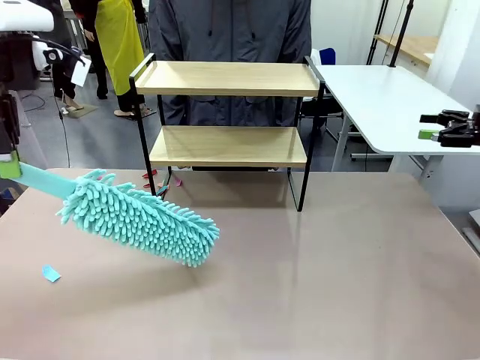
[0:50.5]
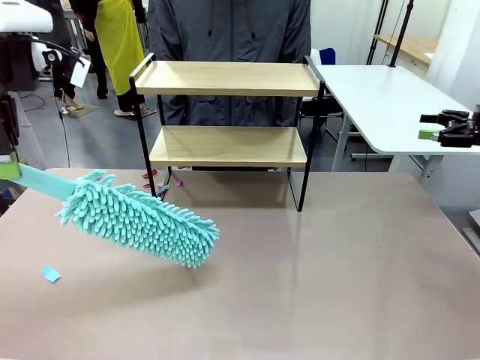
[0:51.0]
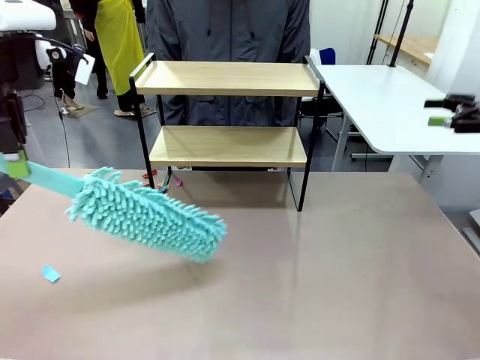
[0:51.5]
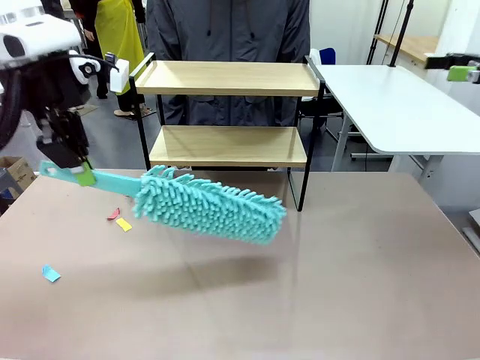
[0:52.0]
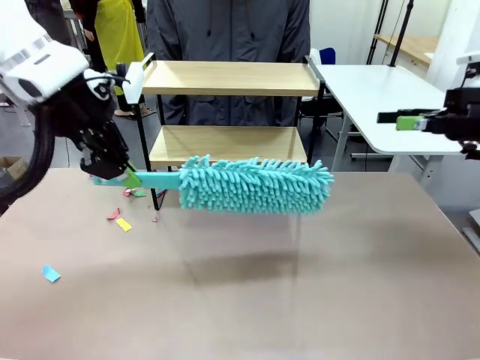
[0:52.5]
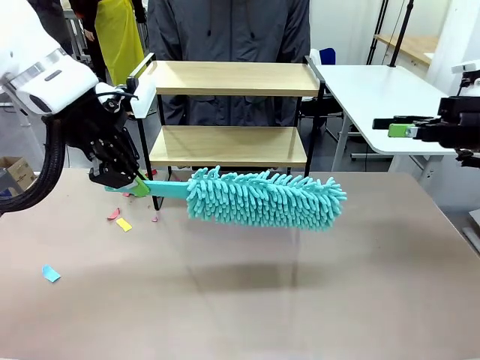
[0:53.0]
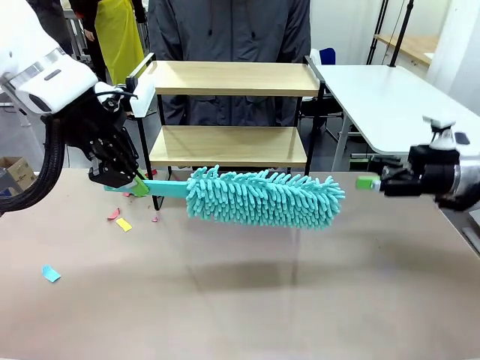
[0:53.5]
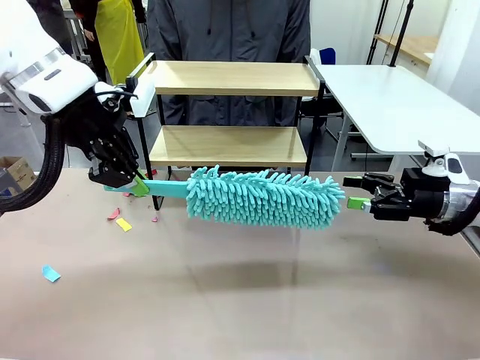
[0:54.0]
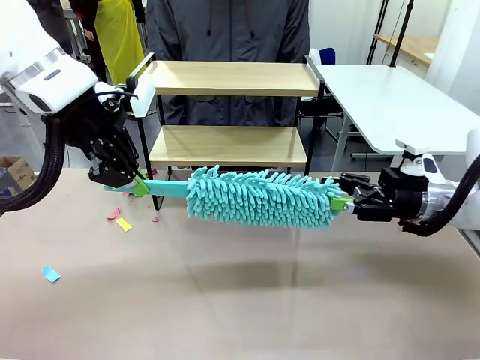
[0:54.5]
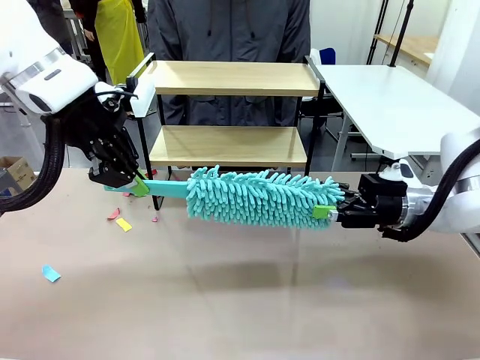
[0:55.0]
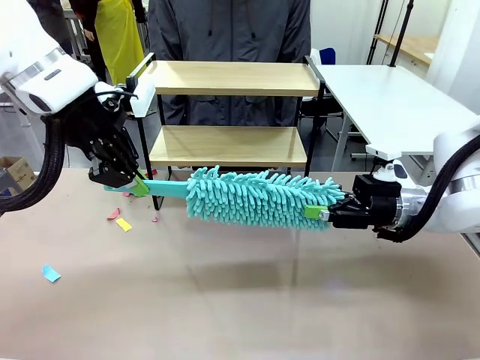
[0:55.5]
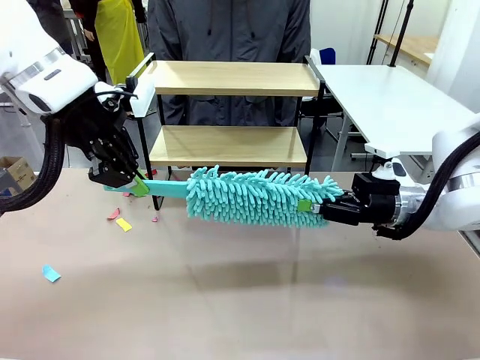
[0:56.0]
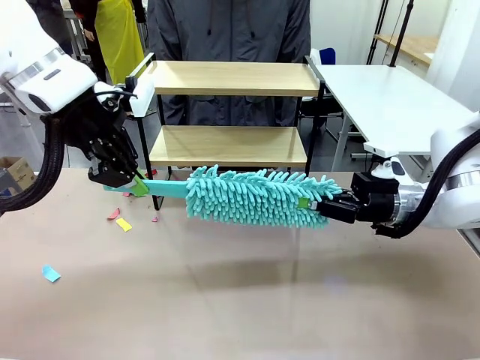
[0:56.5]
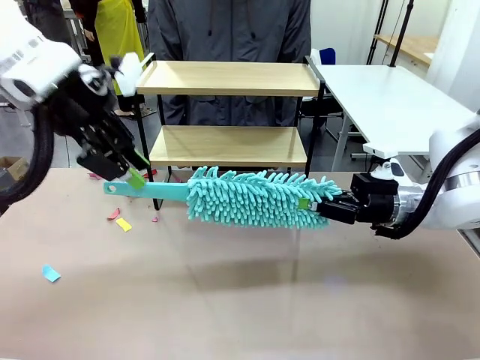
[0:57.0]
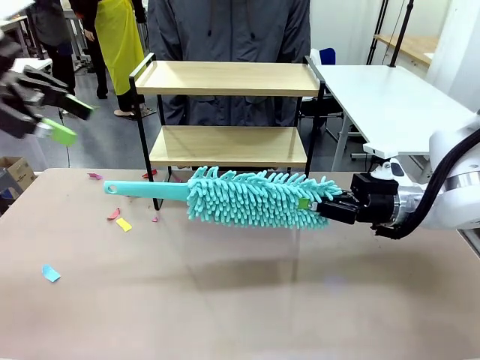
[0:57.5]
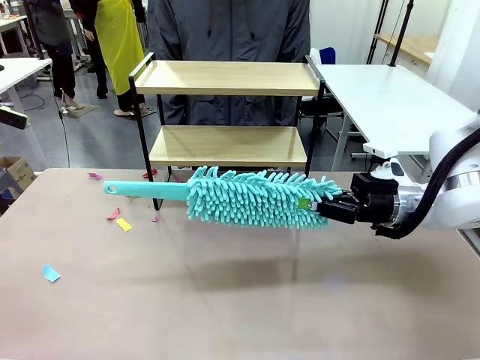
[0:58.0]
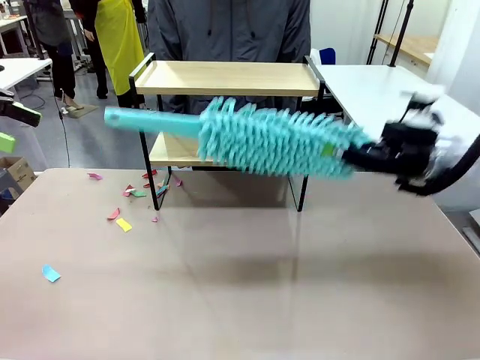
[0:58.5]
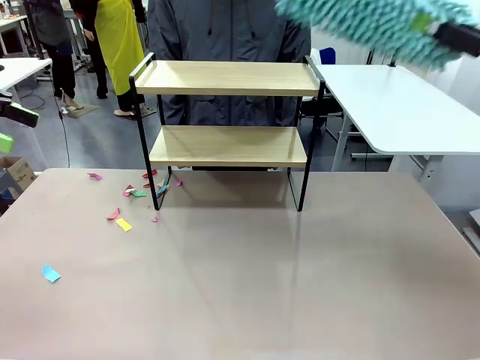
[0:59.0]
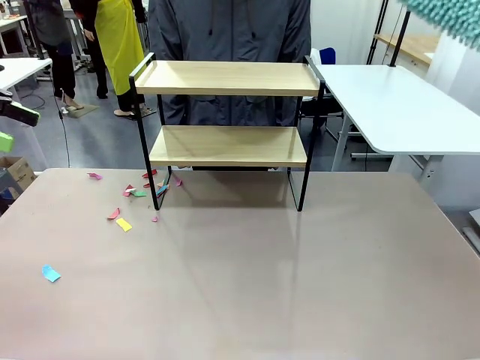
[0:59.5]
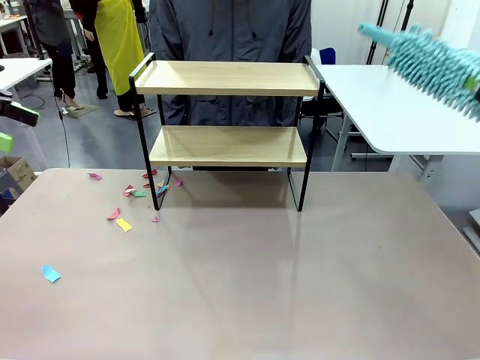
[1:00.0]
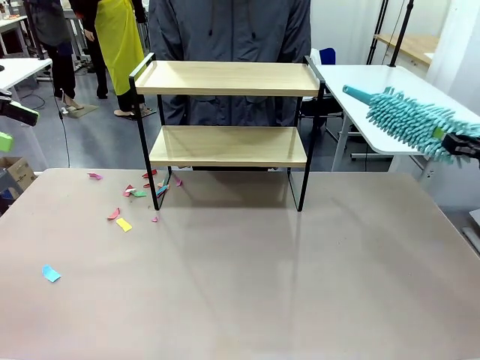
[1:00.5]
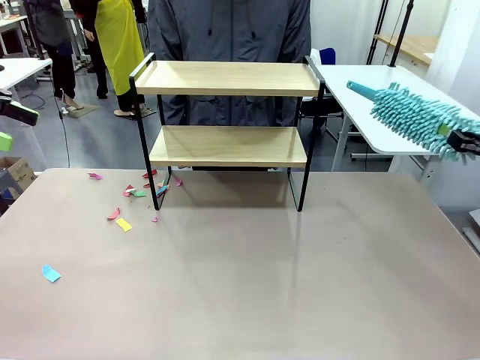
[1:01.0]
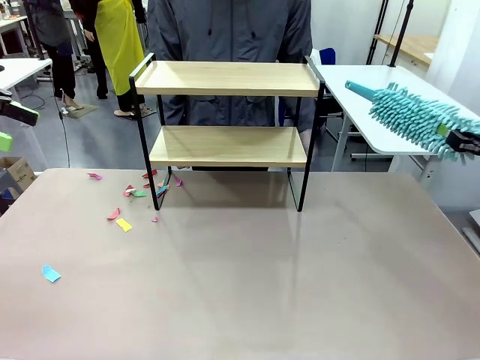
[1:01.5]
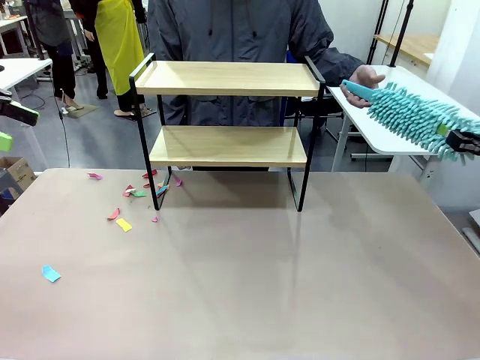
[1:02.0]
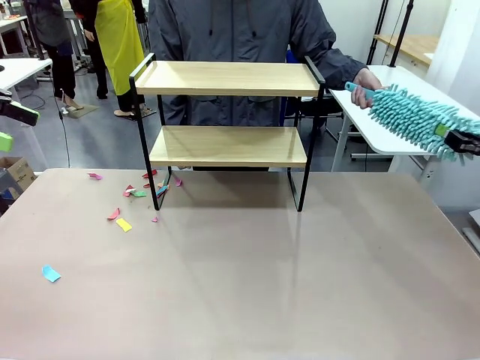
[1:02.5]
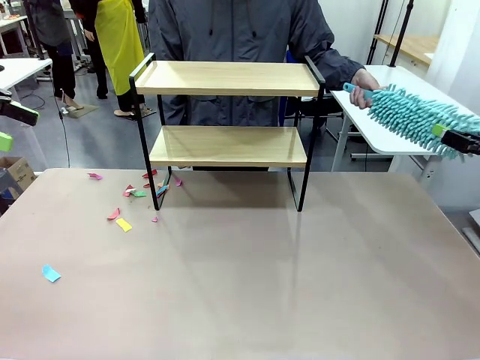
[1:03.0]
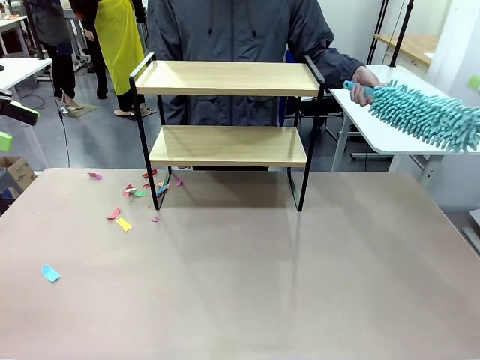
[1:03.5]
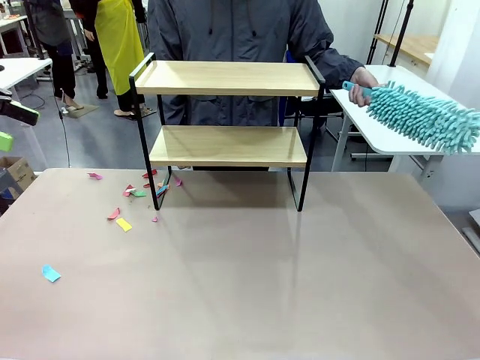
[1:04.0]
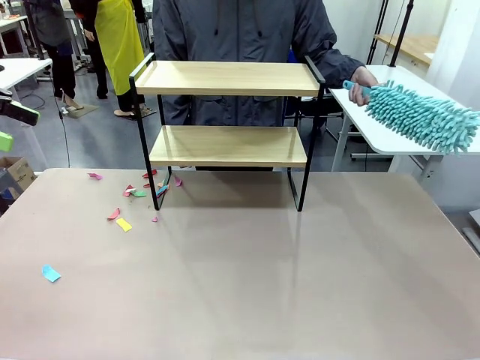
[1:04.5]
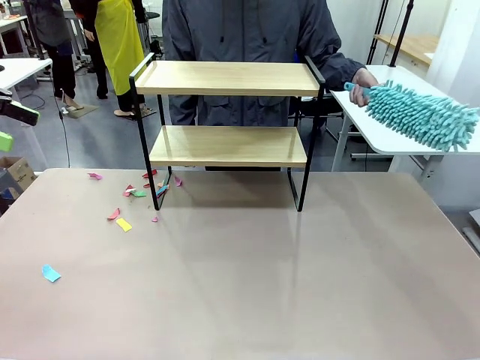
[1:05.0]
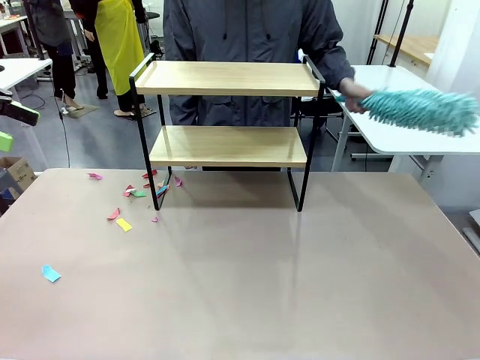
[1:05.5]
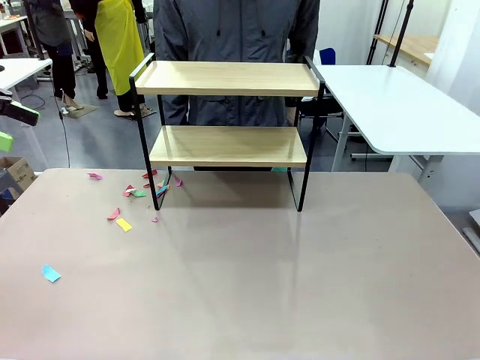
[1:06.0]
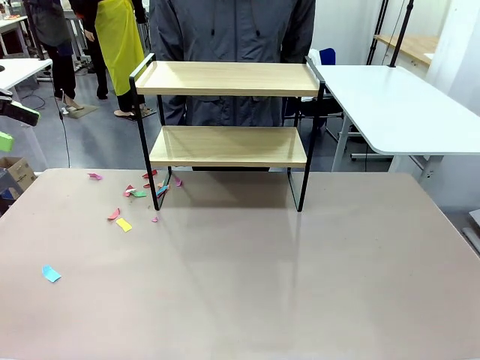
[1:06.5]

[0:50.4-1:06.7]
Task: Clean the shelf.
Robot: Hand the Duster back to the human.
Person: Receive the Duster from the robot.
